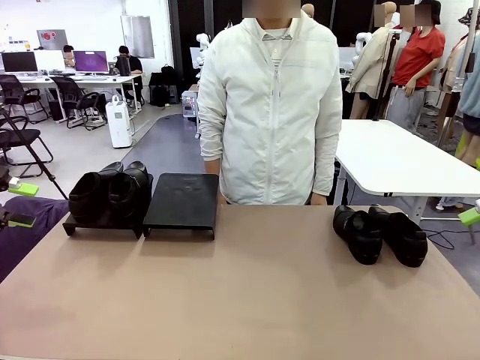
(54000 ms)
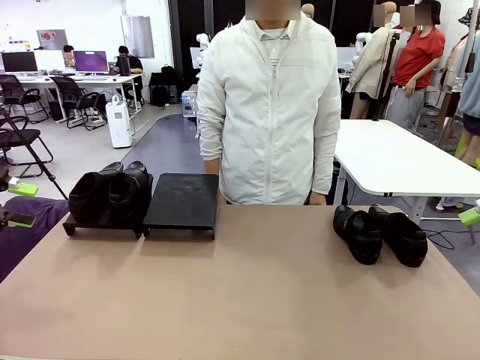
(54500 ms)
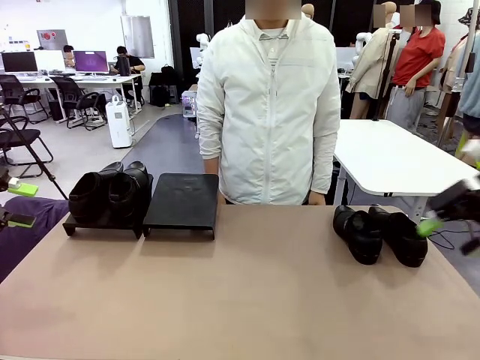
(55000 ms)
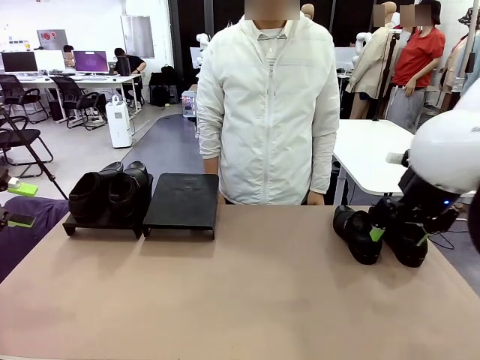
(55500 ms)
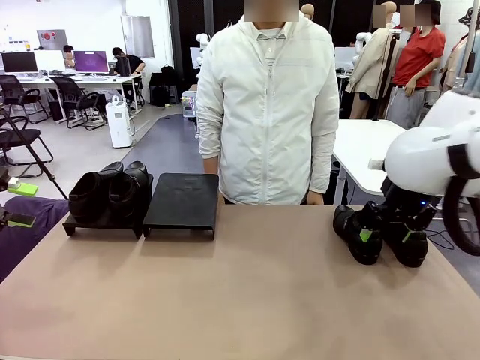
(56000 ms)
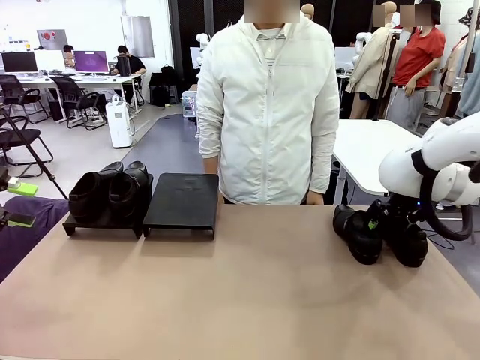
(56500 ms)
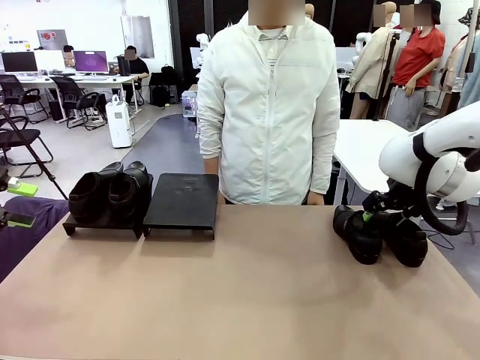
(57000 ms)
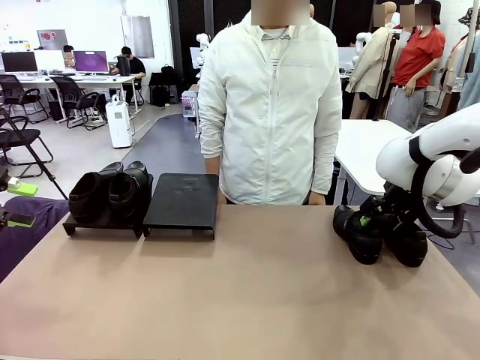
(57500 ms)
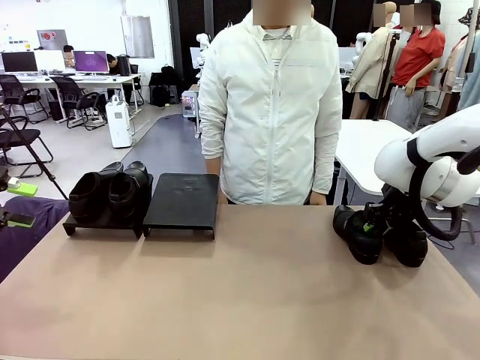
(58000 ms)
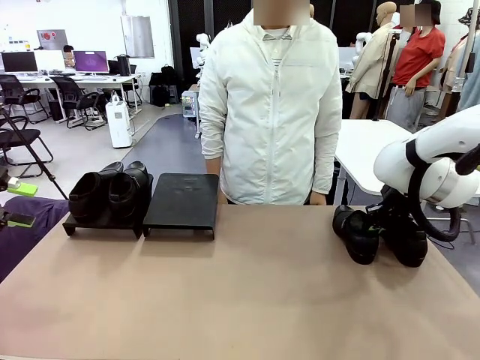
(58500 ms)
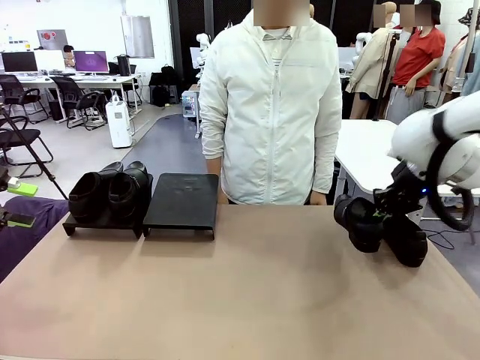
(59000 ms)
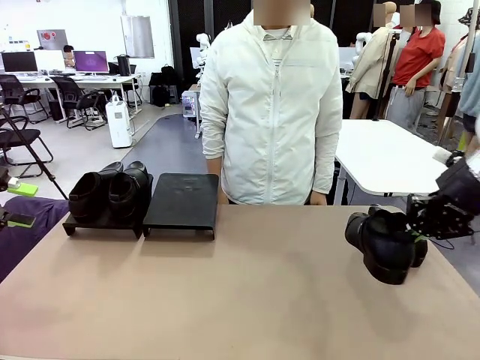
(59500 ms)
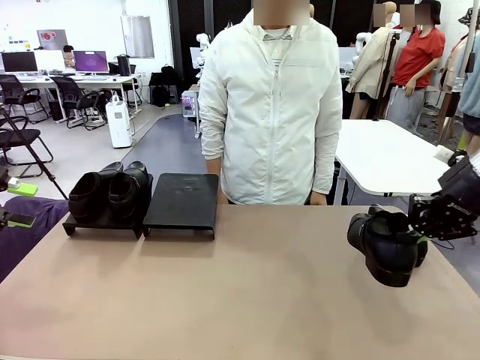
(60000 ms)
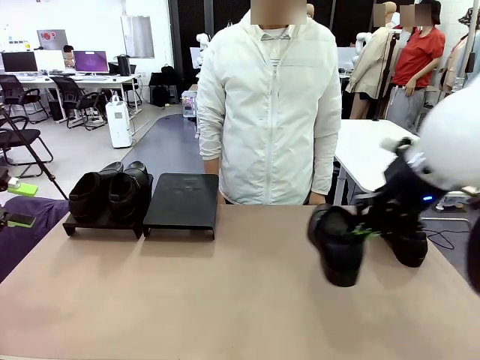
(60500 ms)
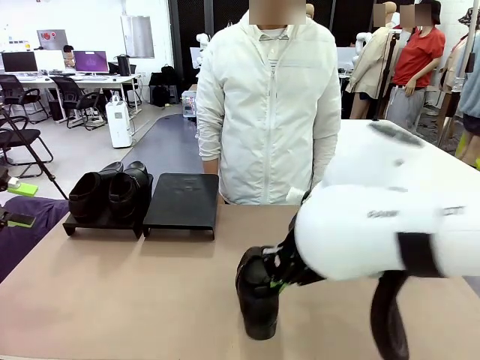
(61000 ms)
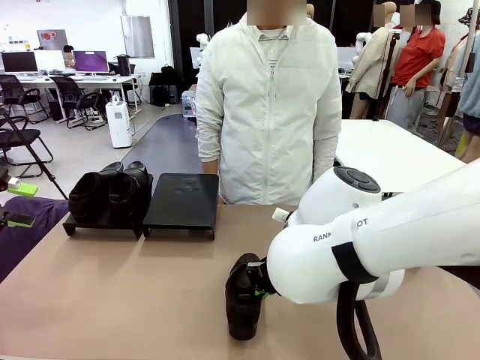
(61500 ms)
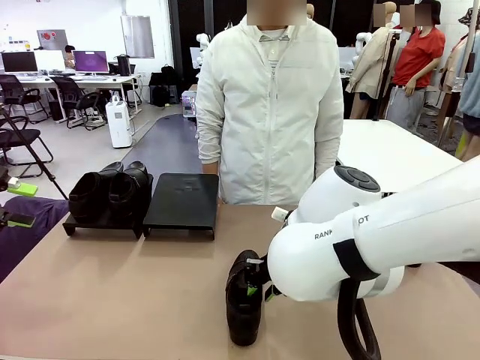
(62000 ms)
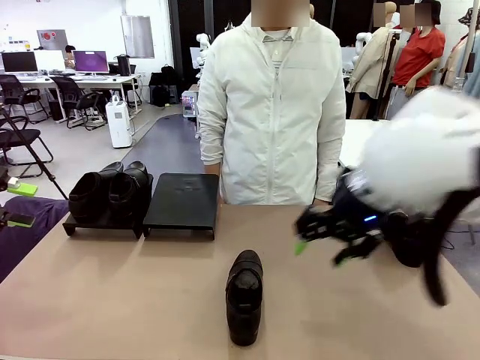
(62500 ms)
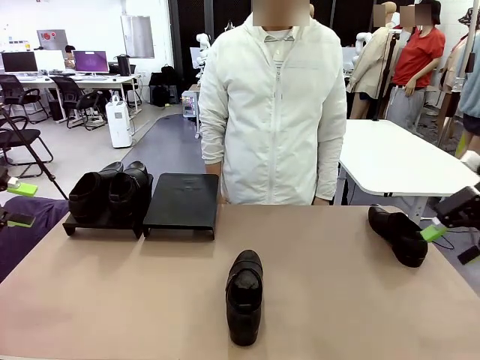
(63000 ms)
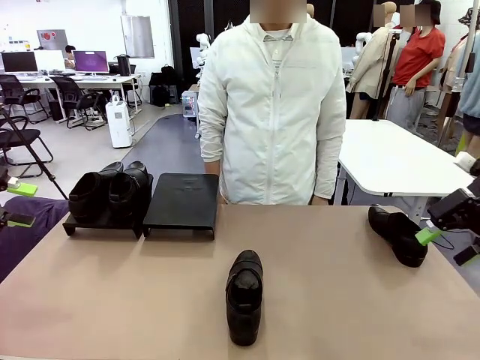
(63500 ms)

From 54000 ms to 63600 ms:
Task: Organize the shoes by placing them on the stand.
Robot: Pick up one Shoe and place it in the middle of the table.

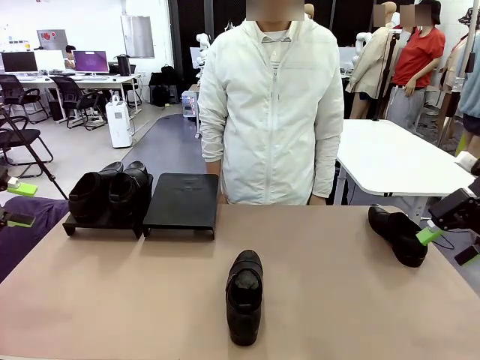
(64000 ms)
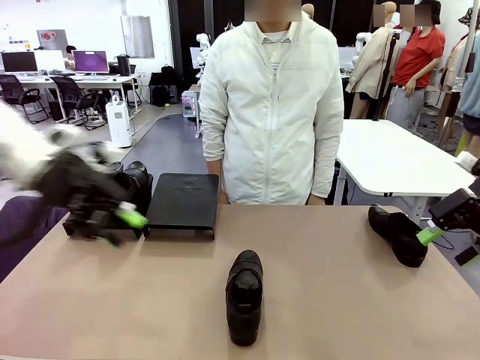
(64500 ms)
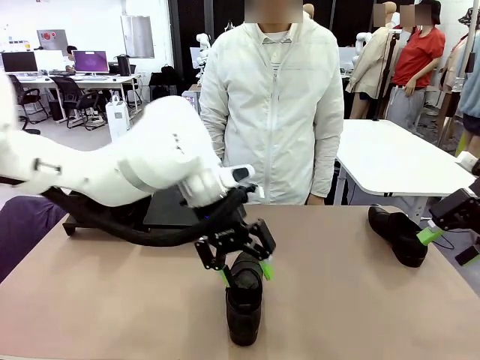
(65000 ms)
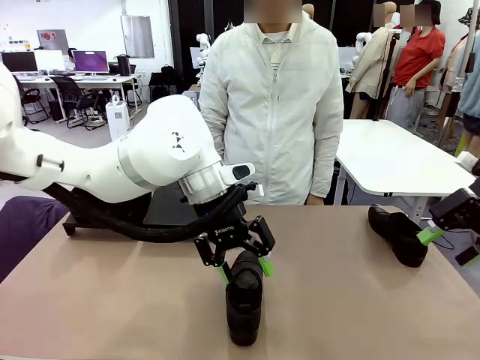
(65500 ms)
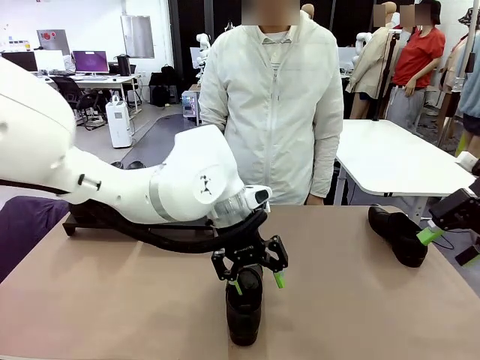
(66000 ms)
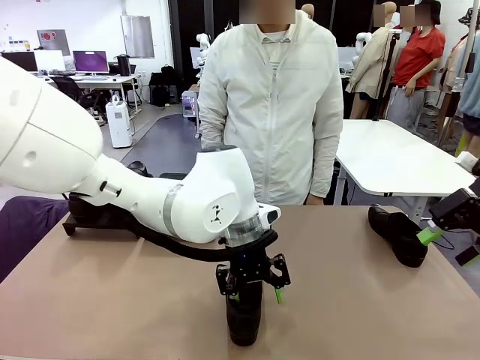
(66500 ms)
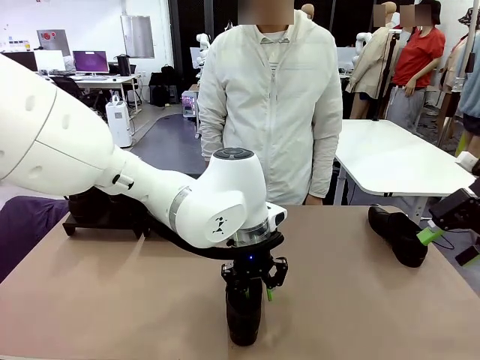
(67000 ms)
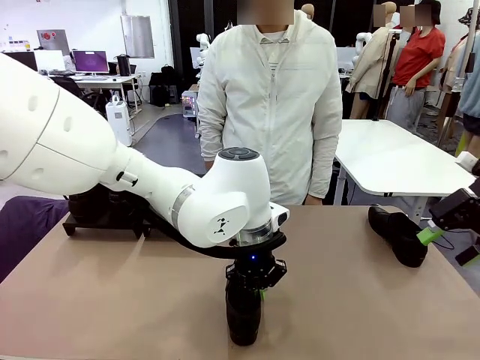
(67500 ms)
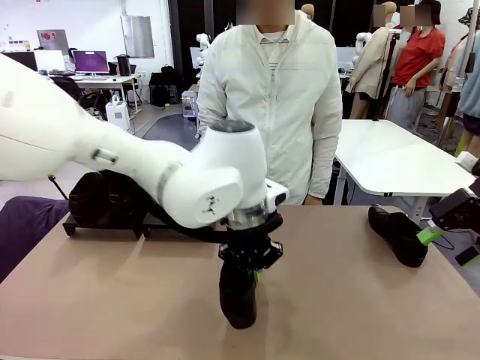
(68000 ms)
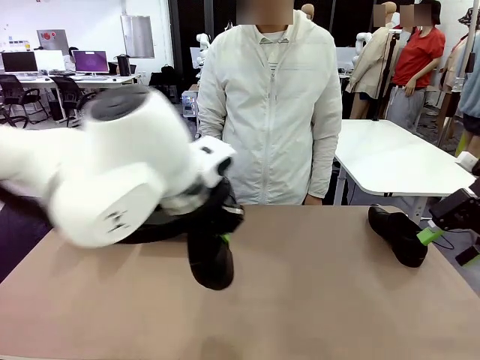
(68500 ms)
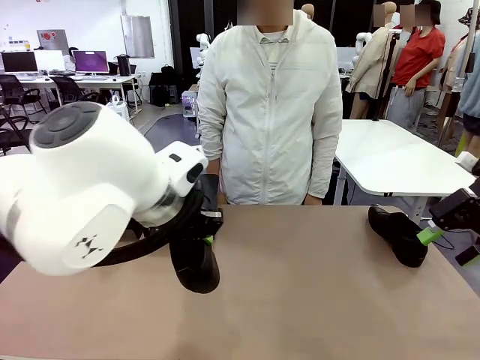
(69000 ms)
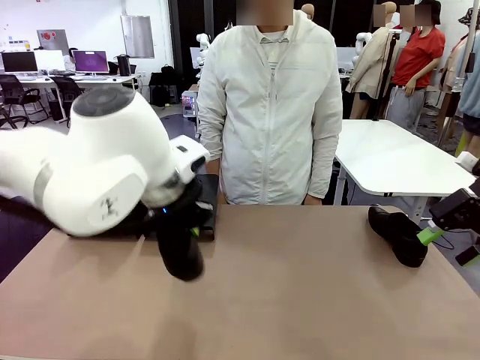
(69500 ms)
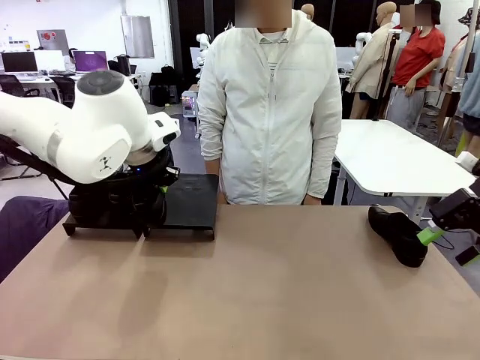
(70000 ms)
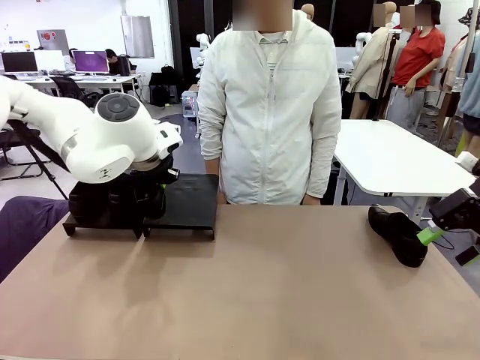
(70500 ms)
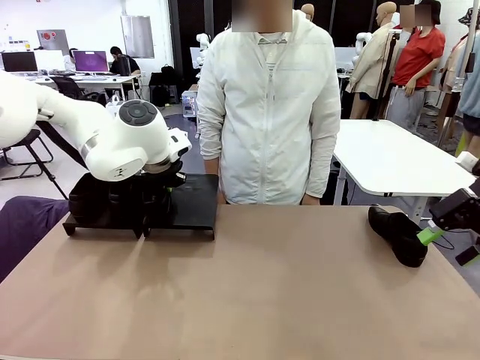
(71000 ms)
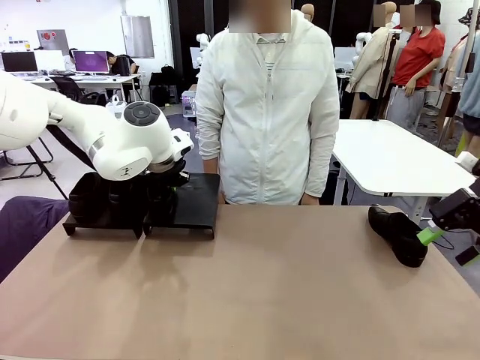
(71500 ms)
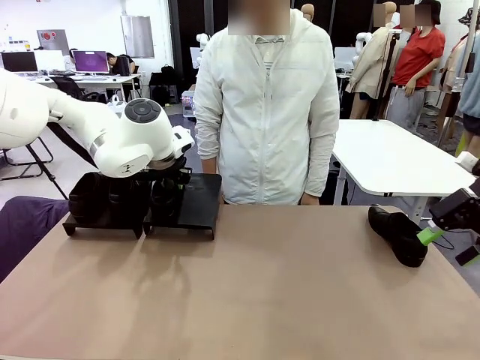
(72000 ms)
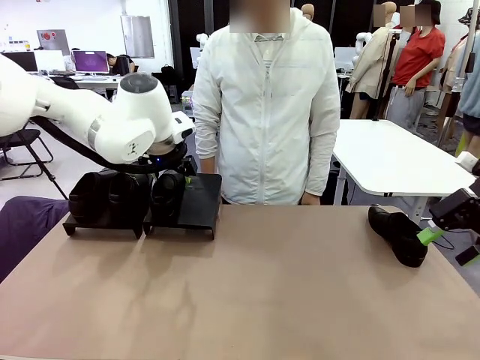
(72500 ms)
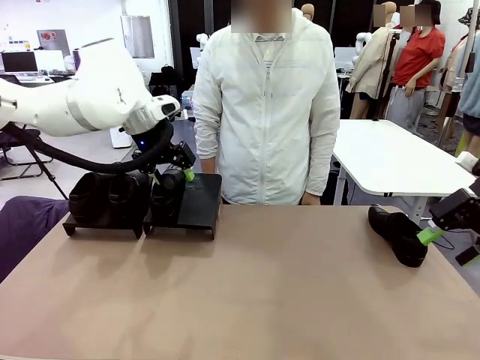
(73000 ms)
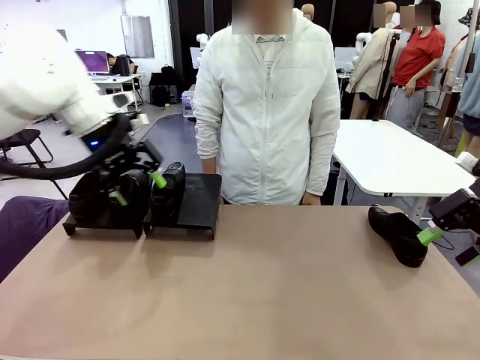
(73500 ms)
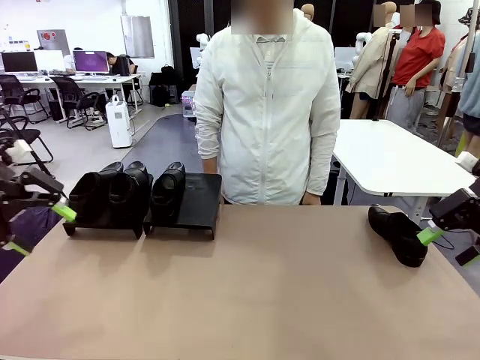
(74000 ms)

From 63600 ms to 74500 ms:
Robot: Place the Shoe from the middle of the table onto the Shoes Stand.

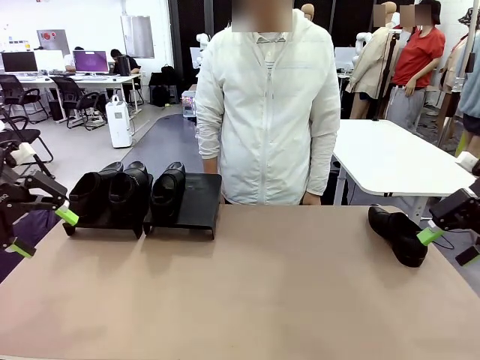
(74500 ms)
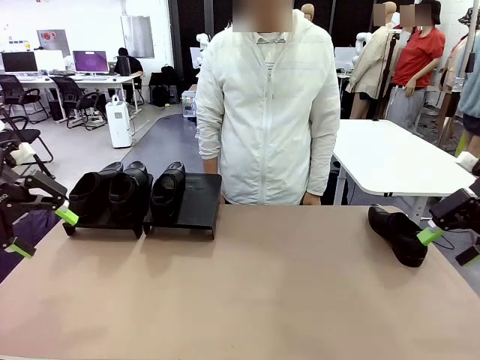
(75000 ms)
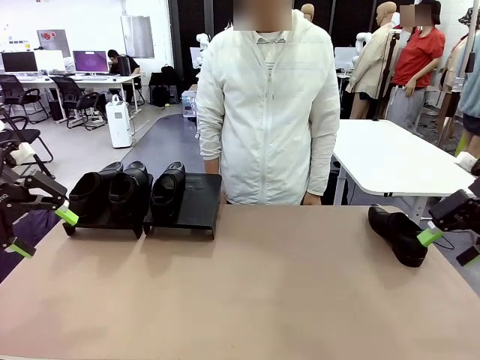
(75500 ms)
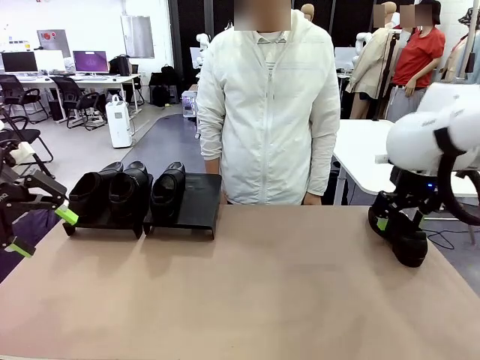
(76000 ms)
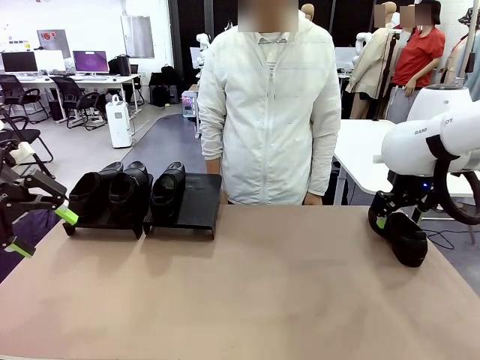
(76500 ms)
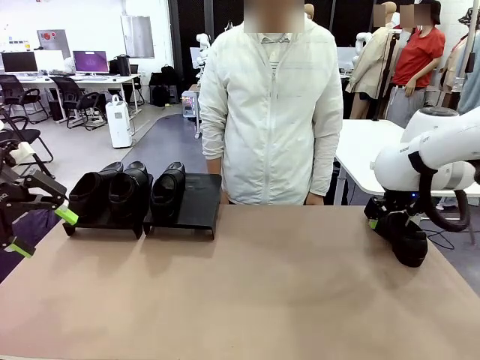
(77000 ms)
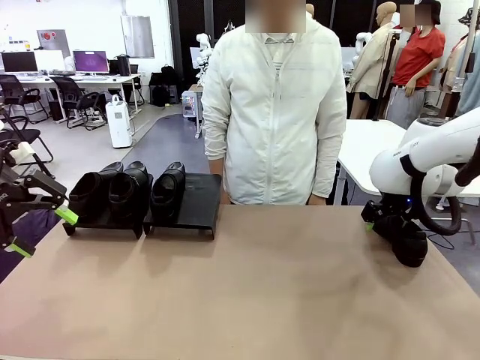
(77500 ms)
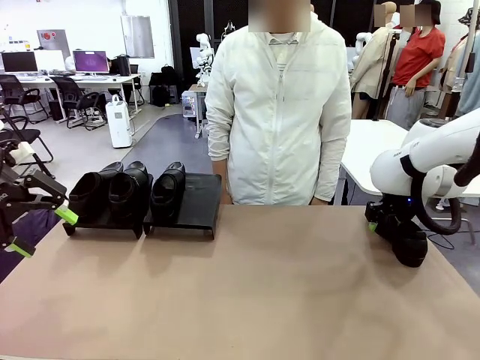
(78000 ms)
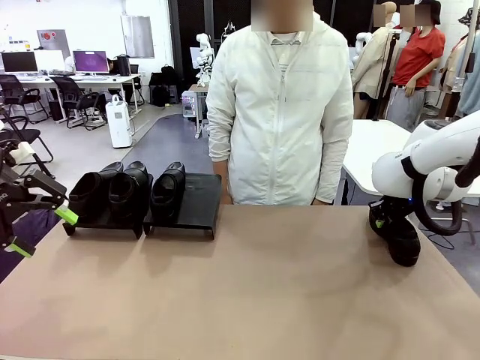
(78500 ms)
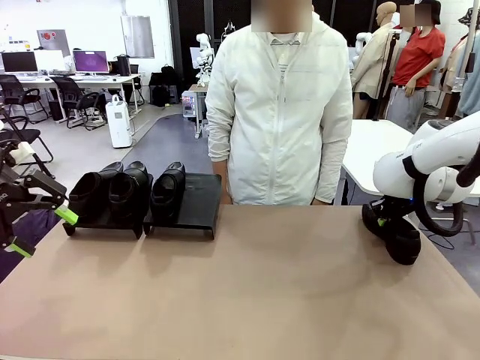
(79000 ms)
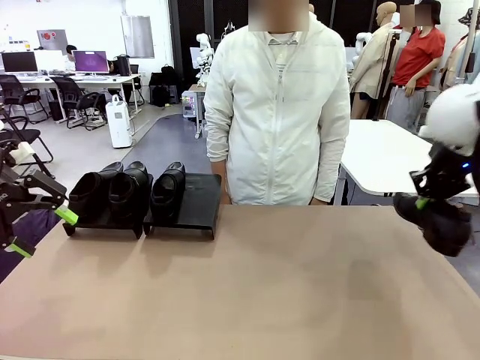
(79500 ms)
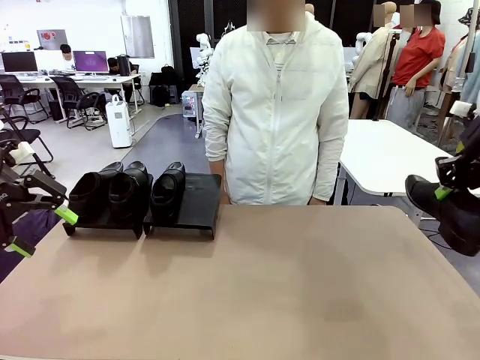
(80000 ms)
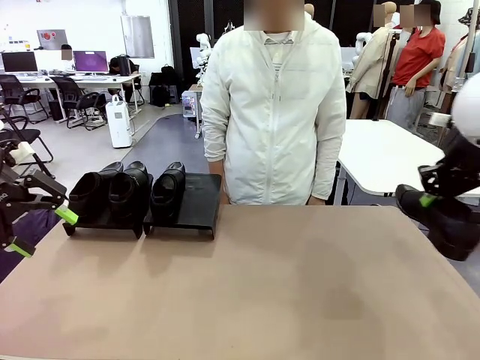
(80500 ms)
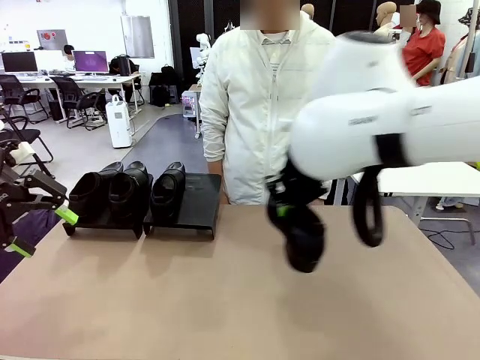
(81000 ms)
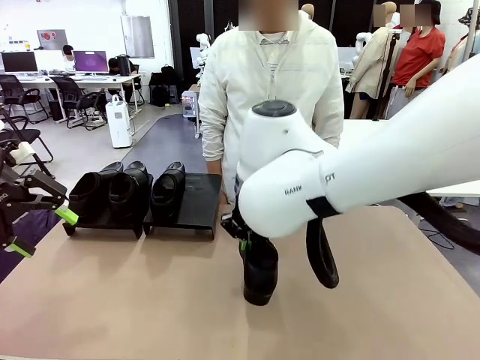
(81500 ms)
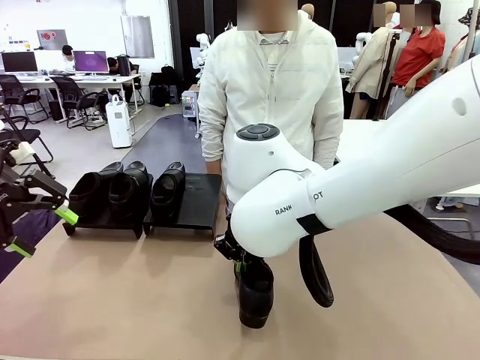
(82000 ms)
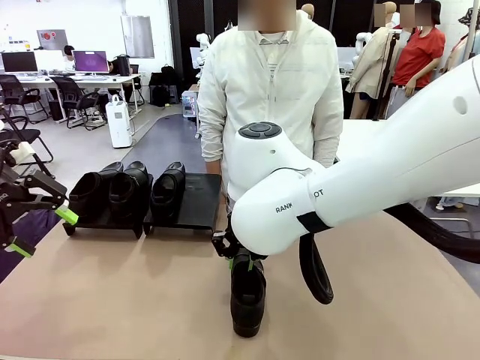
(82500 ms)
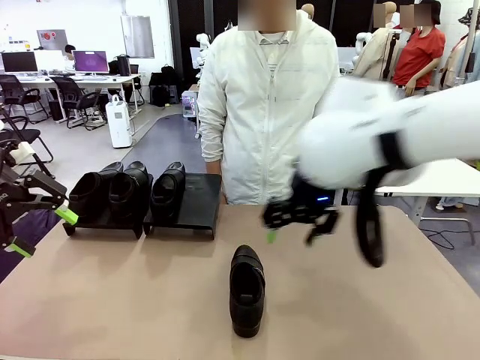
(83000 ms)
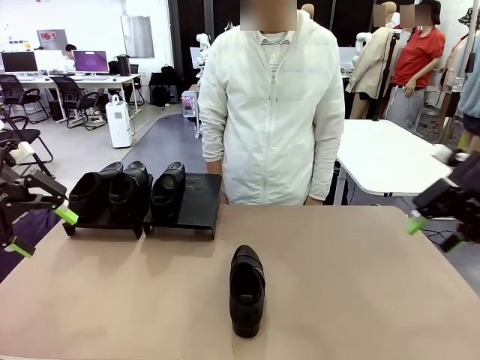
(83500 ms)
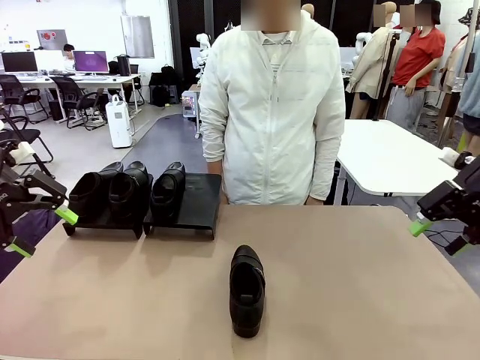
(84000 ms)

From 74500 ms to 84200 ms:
Robot: Pick up one Shoe and place it in the middle of the table.
